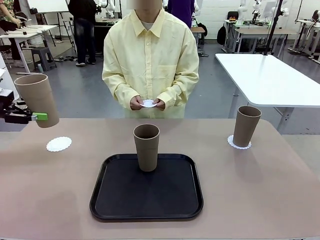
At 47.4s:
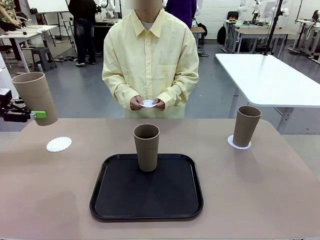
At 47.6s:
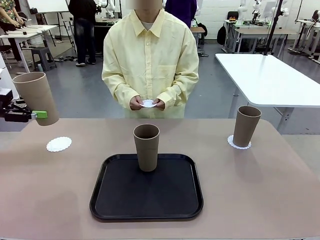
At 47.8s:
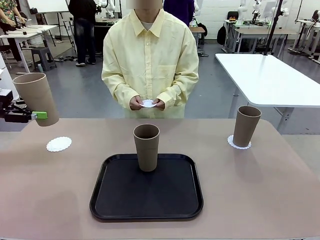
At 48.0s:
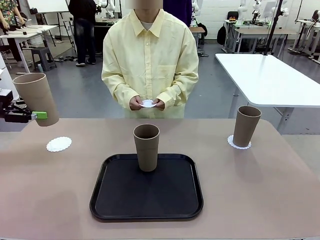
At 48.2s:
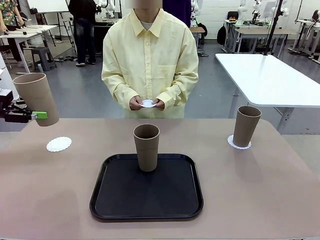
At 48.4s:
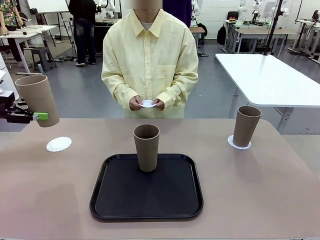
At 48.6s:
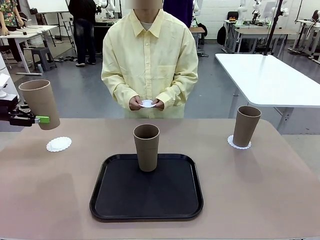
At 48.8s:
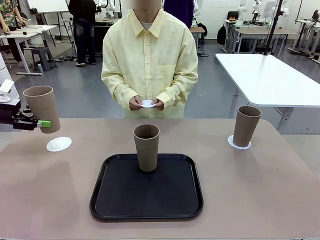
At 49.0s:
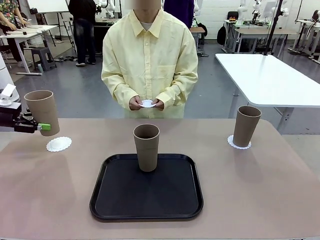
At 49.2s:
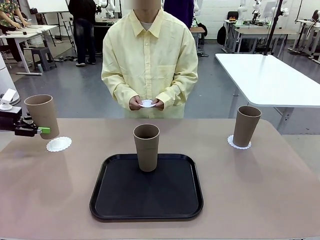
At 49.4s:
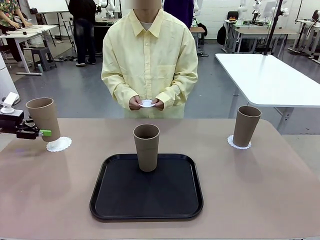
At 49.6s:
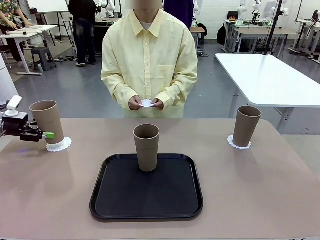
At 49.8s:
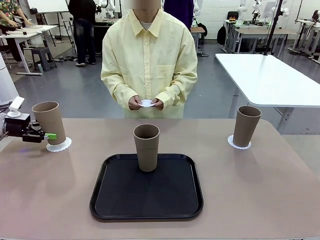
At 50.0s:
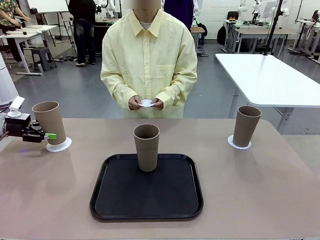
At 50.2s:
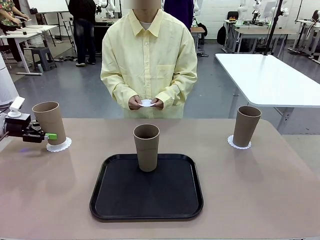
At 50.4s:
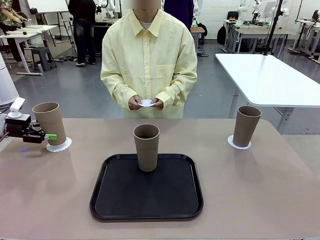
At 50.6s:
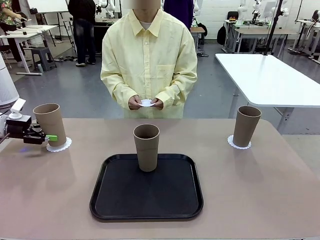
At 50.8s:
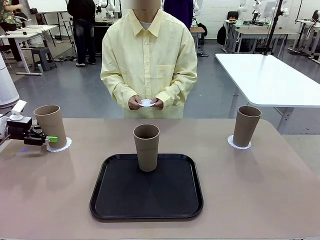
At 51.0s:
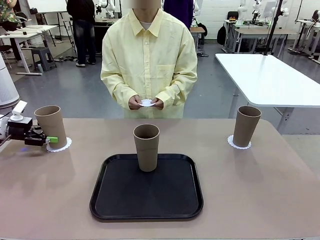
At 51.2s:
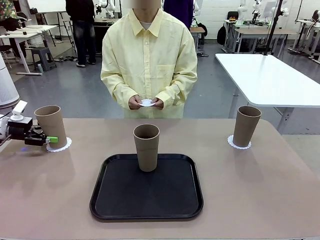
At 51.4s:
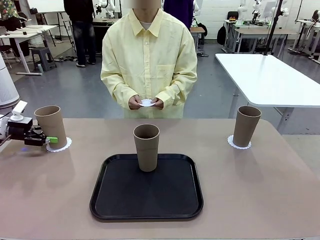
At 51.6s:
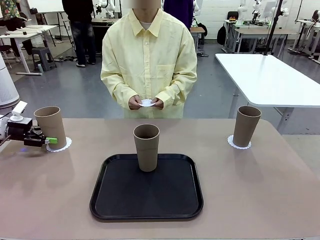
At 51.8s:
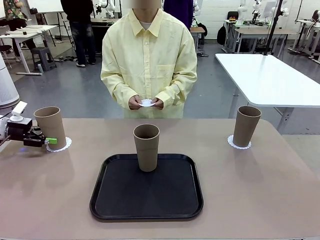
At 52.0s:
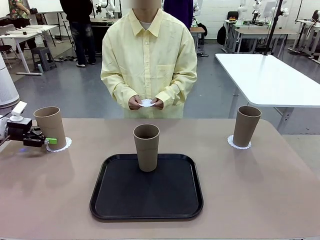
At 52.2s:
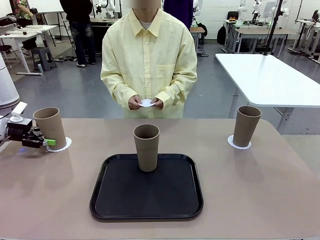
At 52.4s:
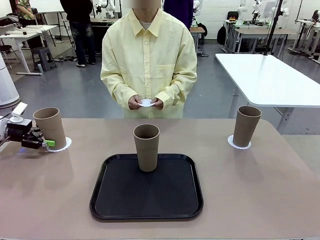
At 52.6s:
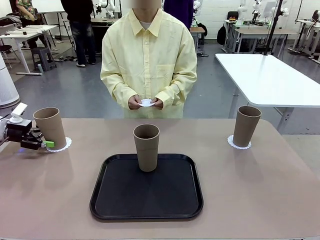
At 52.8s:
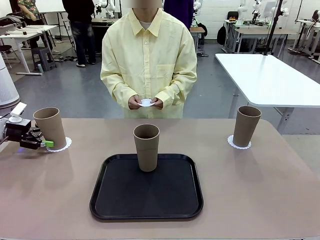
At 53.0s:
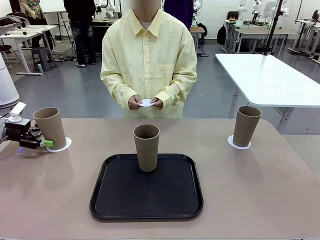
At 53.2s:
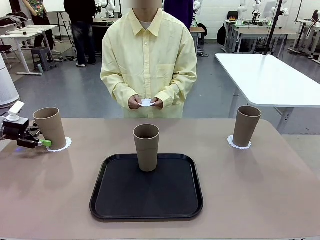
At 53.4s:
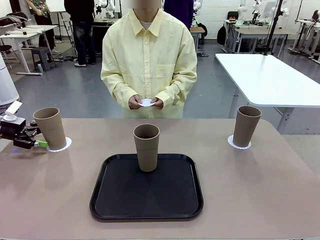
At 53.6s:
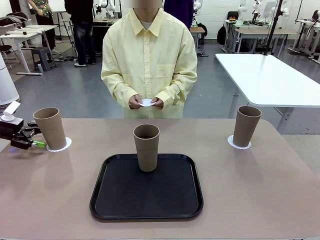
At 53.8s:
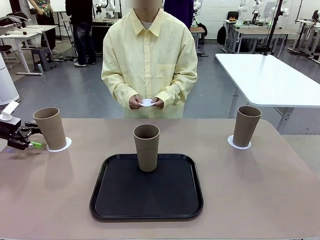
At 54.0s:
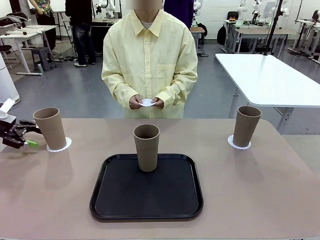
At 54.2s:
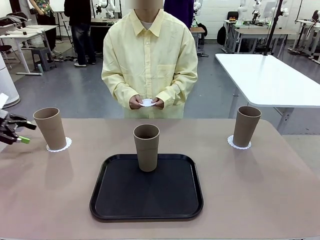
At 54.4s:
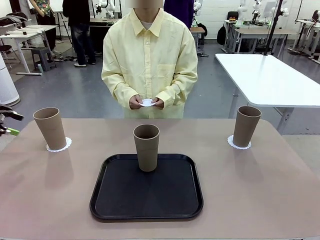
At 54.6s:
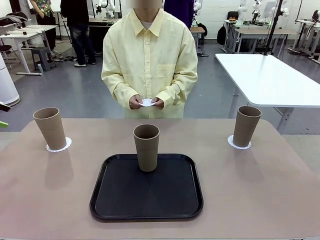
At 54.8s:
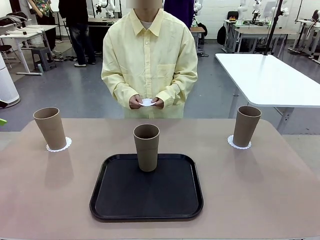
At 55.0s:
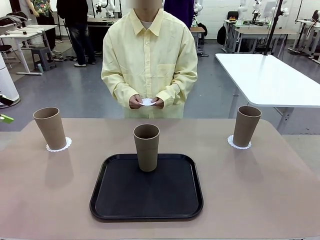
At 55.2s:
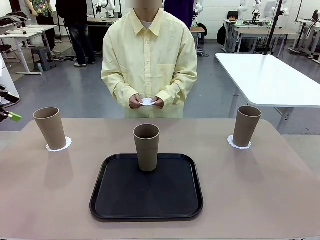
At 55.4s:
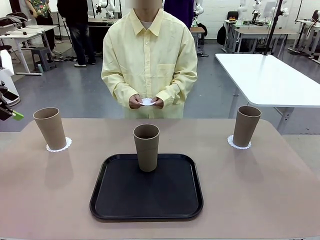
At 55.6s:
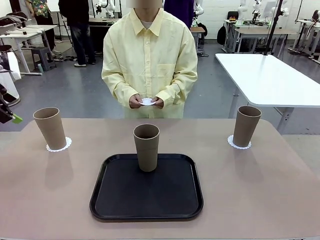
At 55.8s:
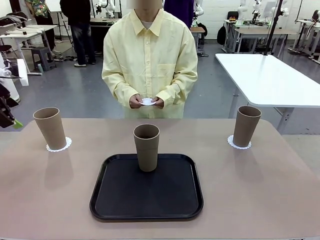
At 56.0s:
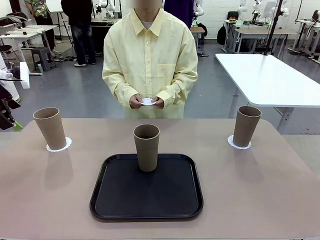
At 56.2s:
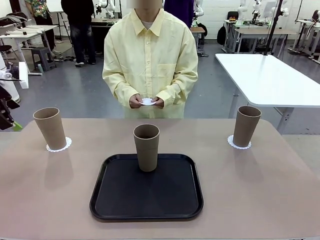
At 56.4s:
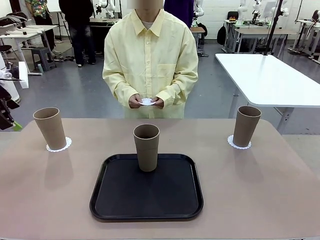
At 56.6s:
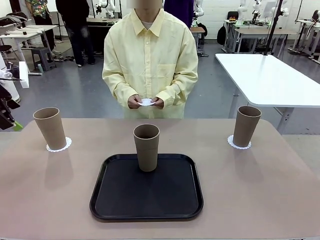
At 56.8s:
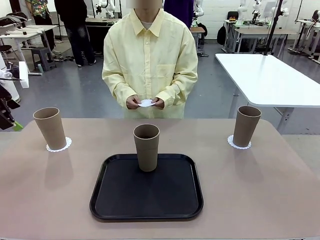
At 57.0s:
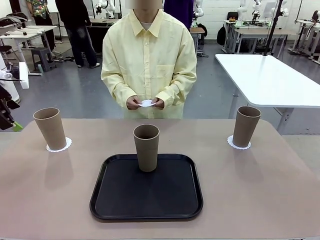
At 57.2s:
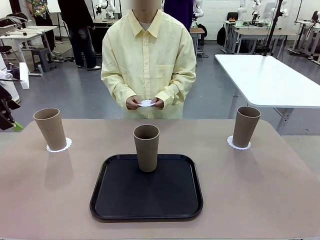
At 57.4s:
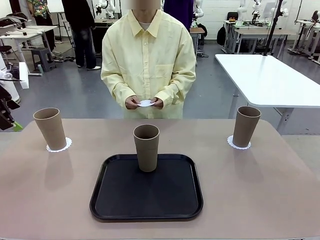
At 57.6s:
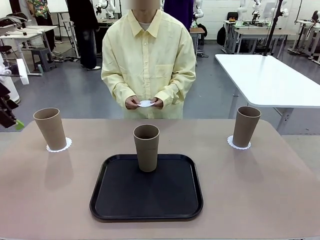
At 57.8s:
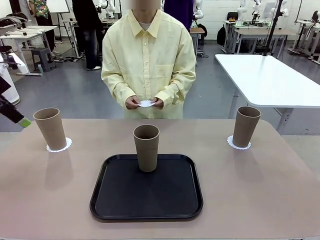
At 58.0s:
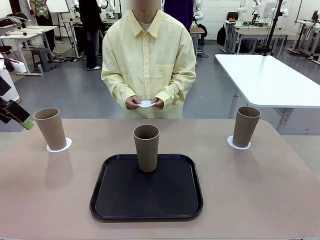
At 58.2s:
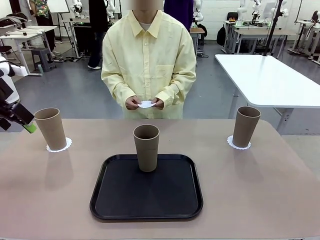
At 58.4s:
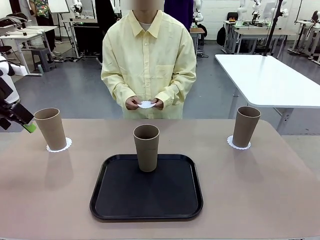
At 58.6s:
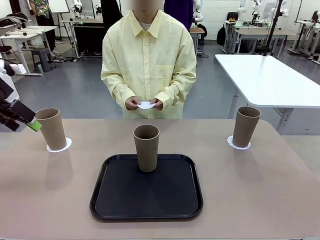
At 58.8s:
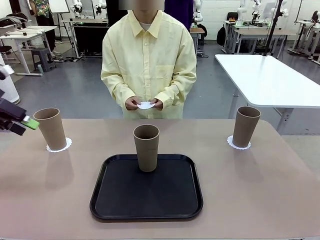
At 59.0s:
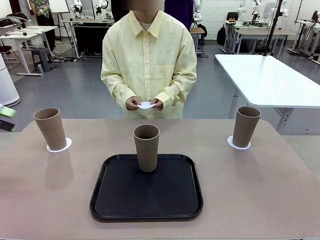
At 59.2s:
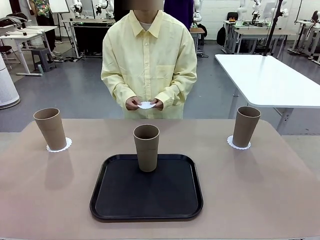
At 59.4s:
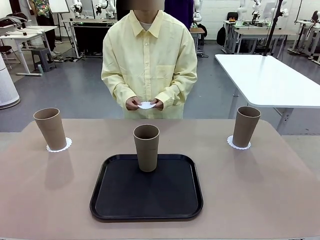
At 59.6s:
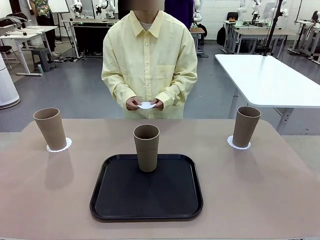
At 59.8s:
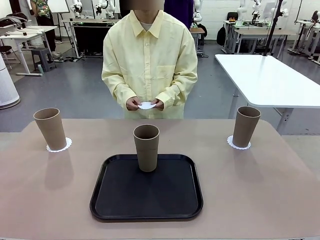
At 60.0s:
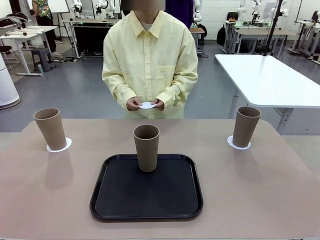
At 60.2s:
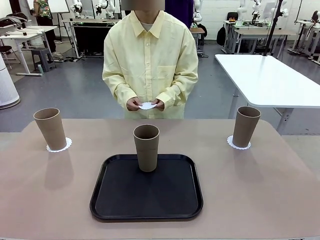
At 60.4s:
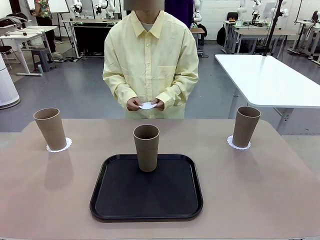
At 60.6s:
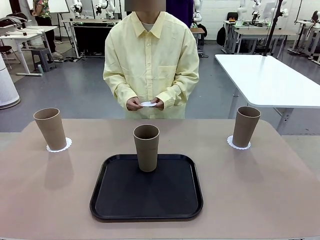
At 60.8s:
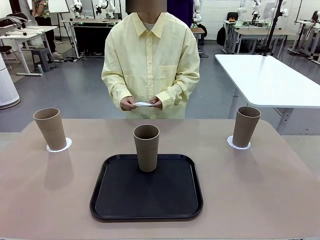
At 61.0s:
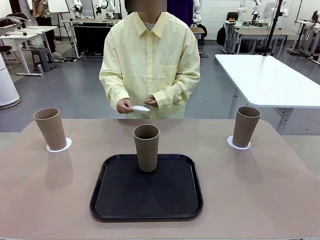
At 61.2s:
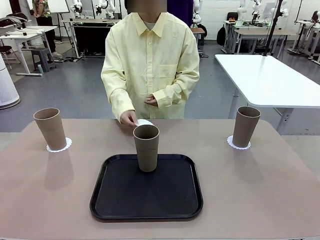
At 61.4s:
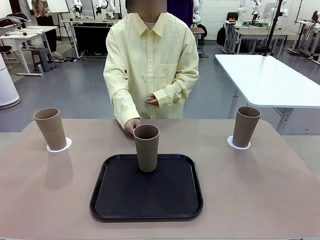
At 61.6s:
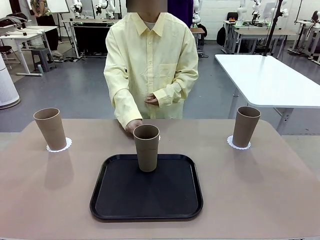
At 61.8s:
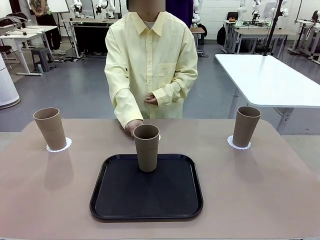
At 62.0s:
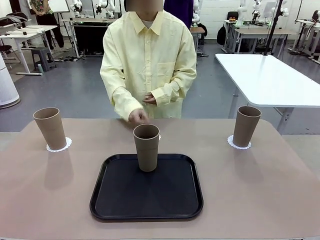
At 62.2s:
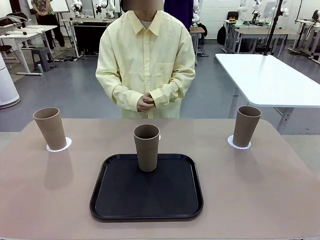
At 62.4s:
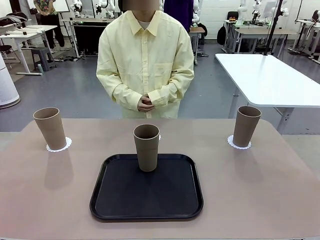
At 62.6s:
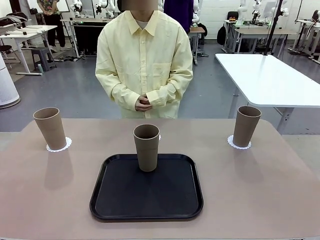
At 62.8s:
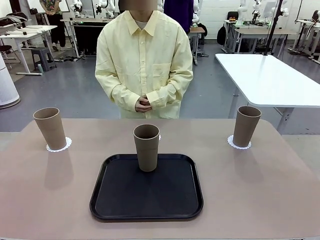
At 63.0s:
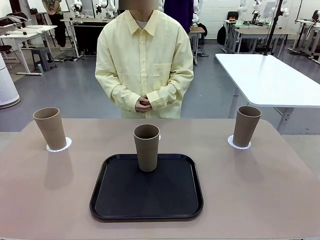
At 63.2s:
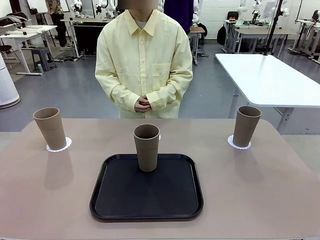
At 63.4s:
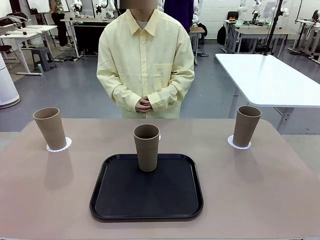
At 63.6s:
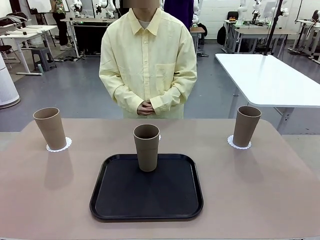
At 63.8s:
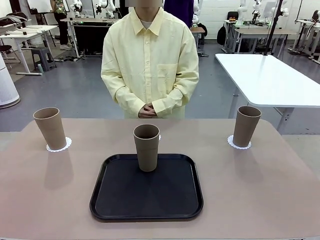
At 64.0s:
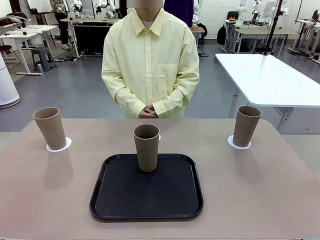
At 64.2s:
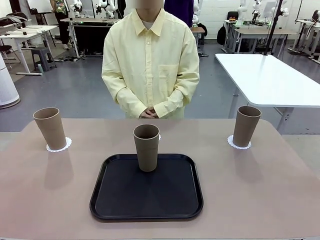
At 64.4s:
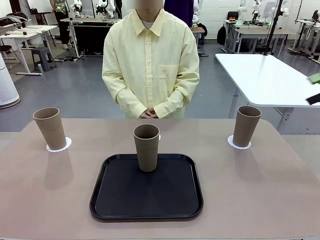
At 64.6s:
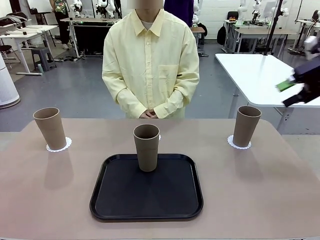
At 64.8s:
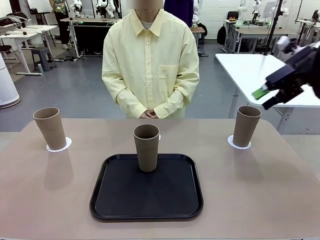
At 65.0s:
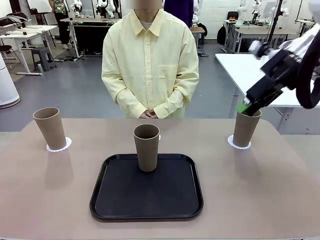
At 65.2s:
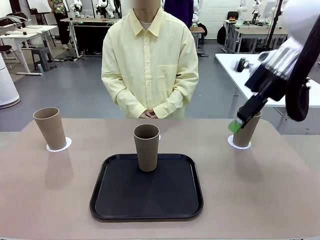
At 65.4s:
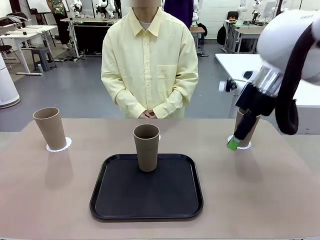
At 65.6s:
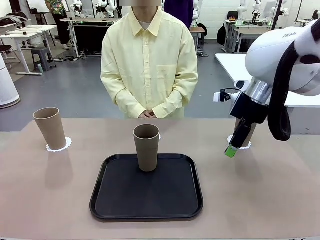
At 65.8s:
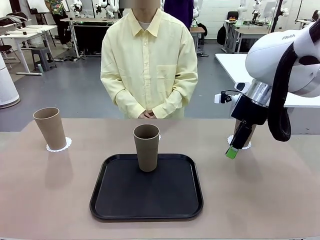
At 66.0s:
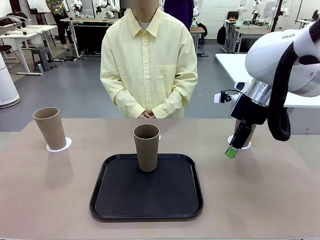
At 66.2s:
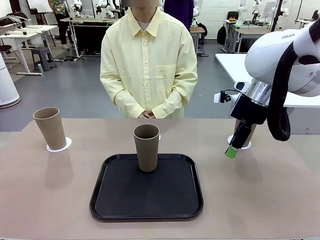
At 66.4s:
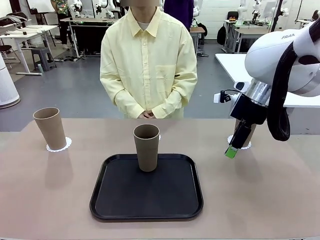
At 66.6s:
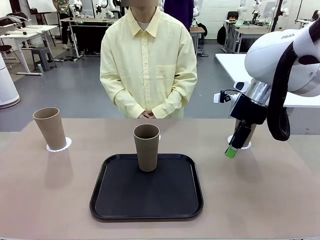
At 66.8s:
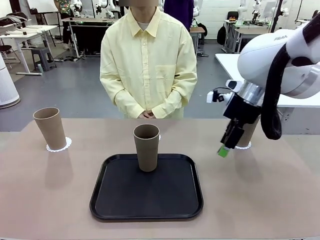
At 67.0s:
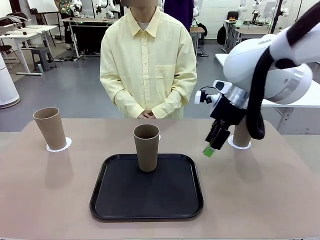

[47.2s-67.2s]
Task: Place coasters on the table and set cups on them.
Robot: Take one Reusable plastic cup from the Flat Tray and place it on a coaster set by the human.
